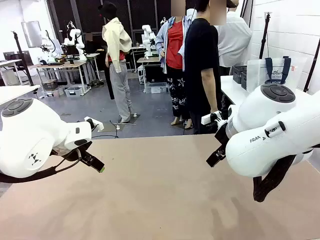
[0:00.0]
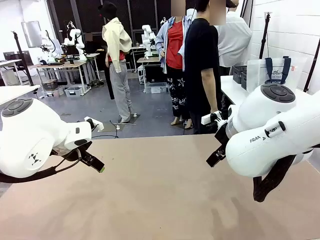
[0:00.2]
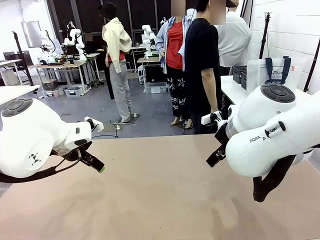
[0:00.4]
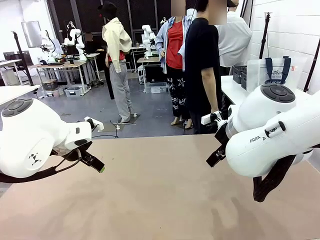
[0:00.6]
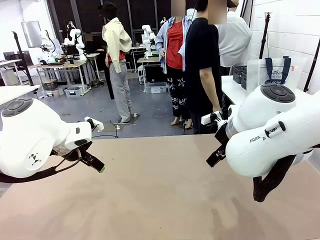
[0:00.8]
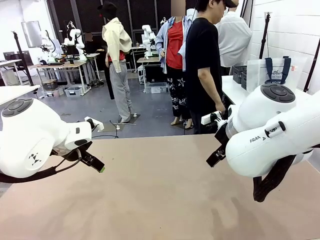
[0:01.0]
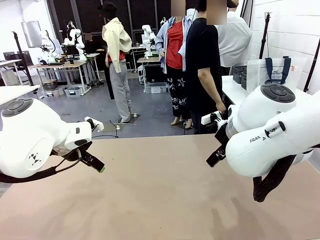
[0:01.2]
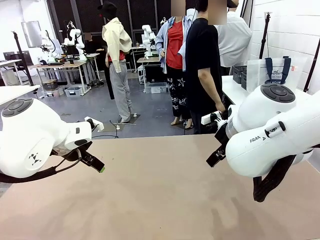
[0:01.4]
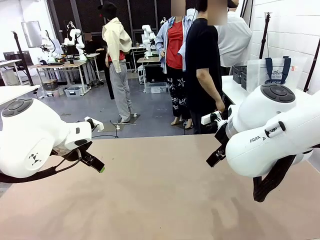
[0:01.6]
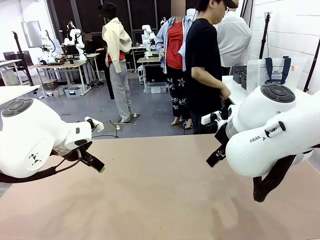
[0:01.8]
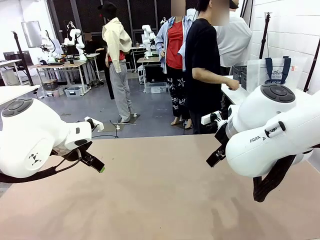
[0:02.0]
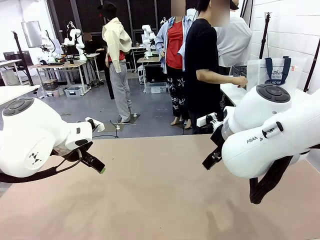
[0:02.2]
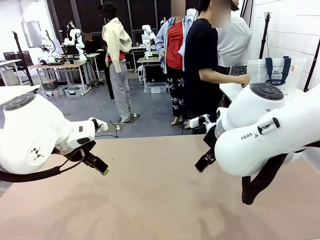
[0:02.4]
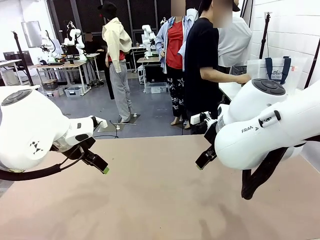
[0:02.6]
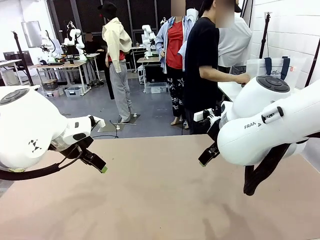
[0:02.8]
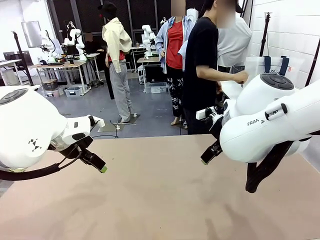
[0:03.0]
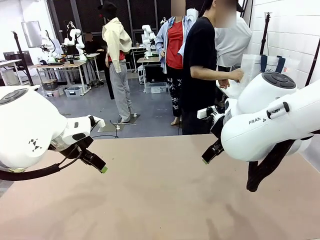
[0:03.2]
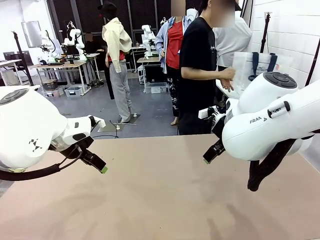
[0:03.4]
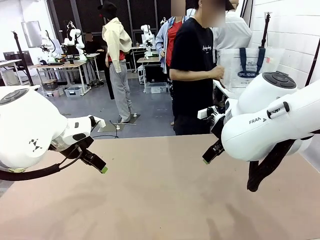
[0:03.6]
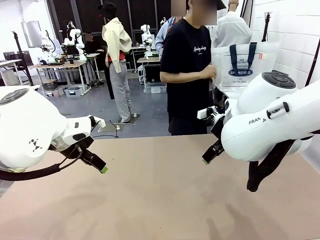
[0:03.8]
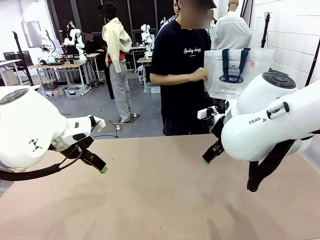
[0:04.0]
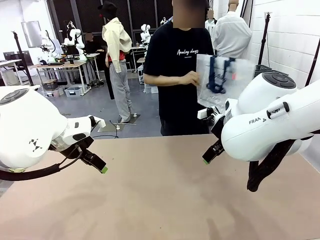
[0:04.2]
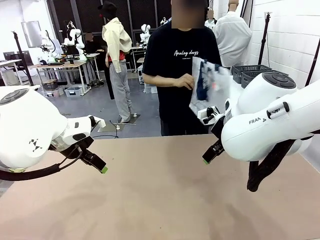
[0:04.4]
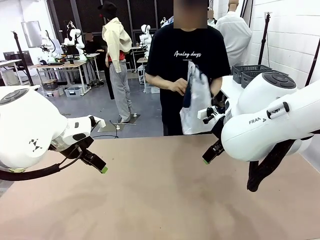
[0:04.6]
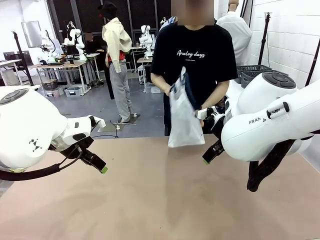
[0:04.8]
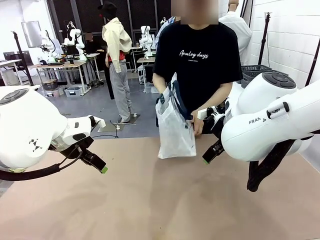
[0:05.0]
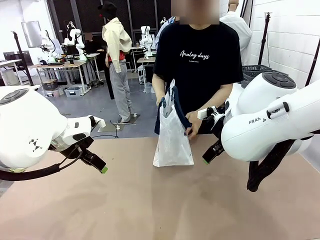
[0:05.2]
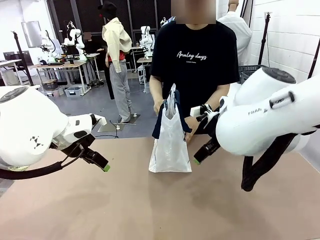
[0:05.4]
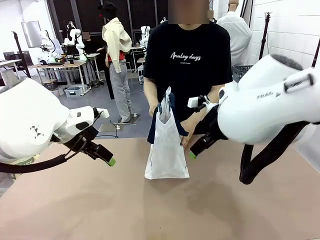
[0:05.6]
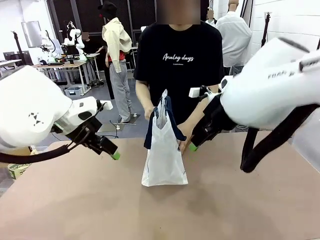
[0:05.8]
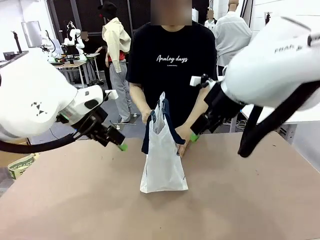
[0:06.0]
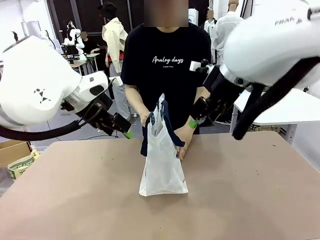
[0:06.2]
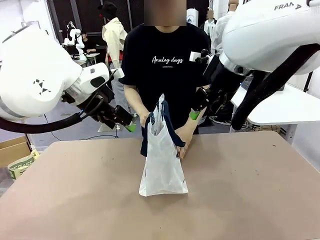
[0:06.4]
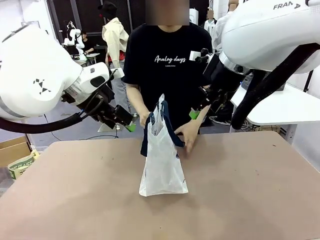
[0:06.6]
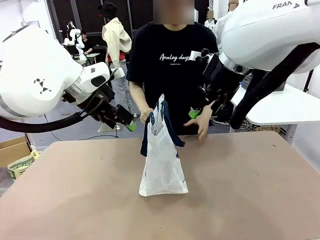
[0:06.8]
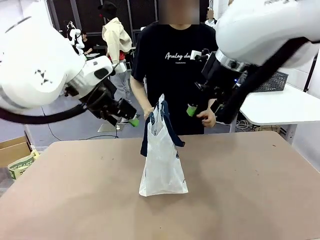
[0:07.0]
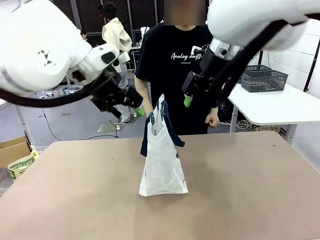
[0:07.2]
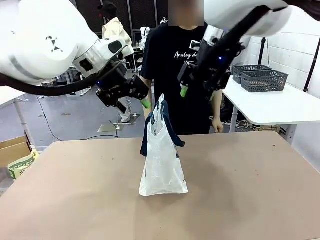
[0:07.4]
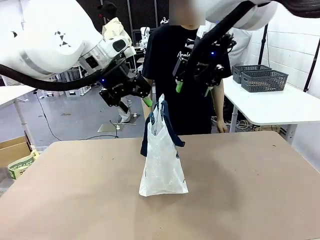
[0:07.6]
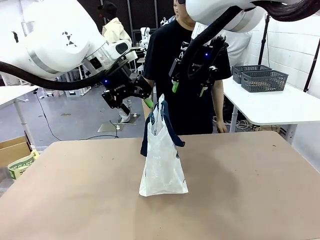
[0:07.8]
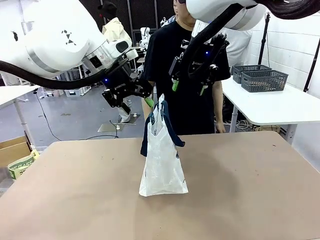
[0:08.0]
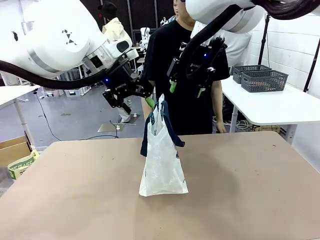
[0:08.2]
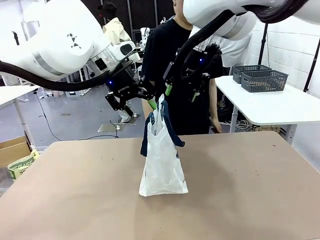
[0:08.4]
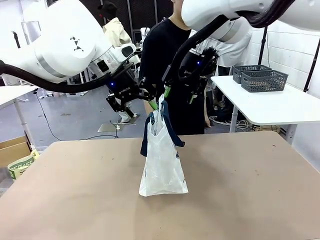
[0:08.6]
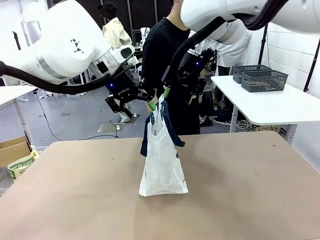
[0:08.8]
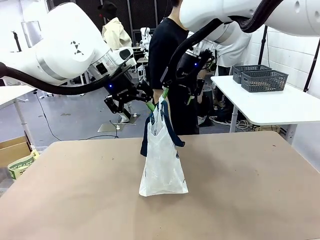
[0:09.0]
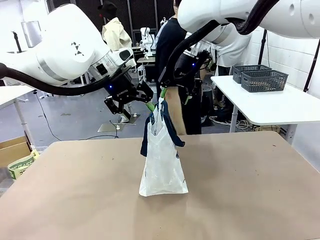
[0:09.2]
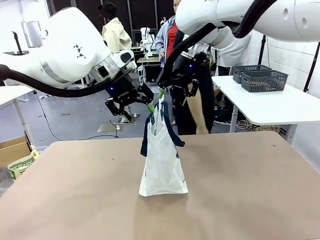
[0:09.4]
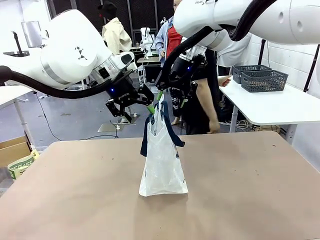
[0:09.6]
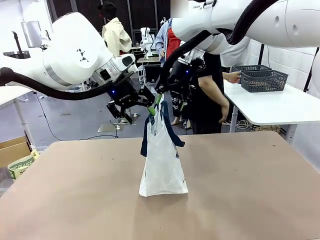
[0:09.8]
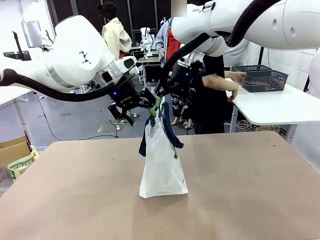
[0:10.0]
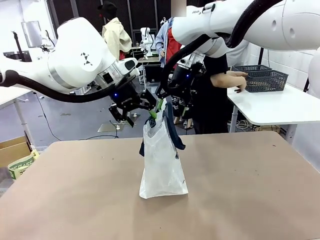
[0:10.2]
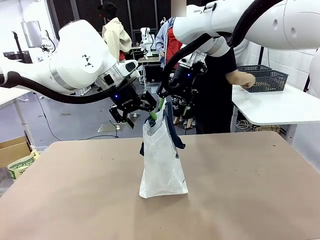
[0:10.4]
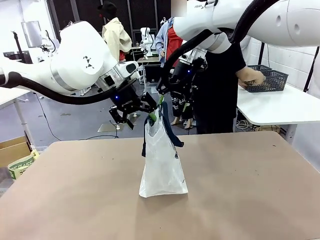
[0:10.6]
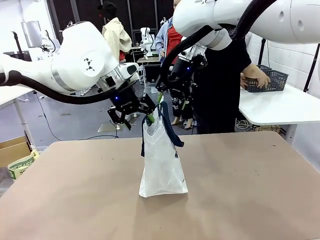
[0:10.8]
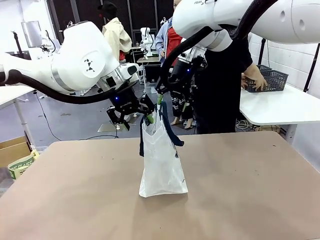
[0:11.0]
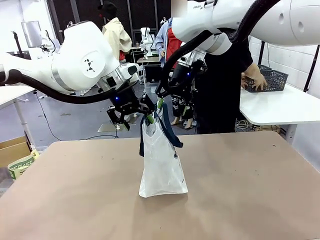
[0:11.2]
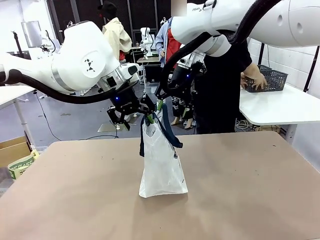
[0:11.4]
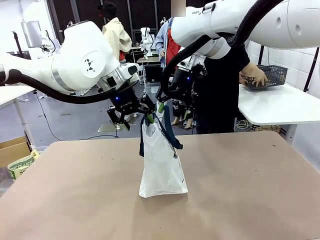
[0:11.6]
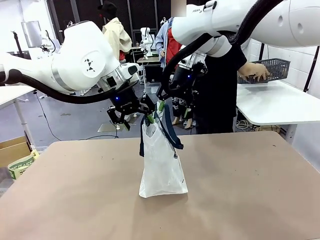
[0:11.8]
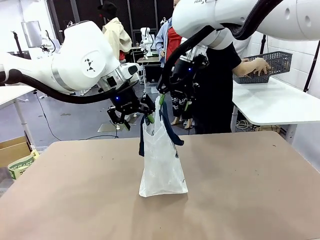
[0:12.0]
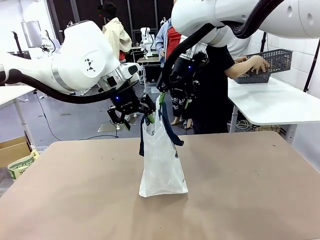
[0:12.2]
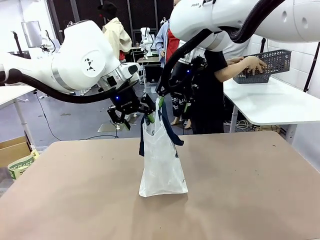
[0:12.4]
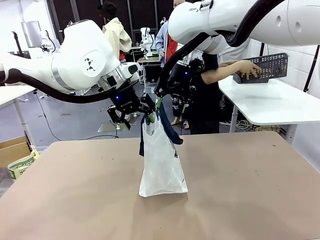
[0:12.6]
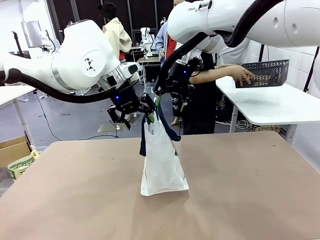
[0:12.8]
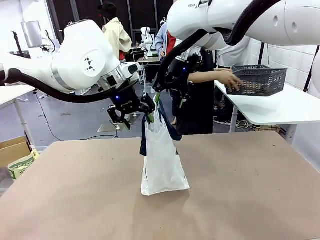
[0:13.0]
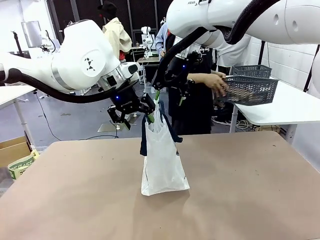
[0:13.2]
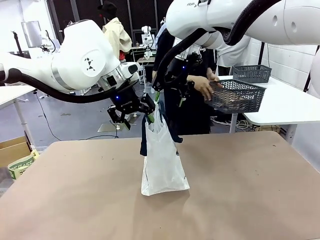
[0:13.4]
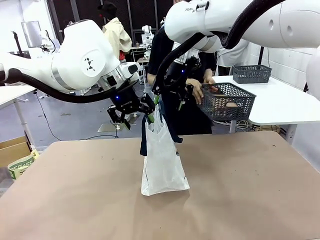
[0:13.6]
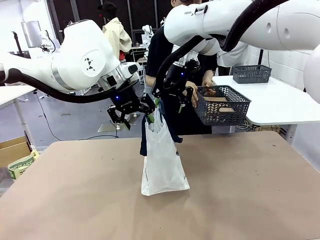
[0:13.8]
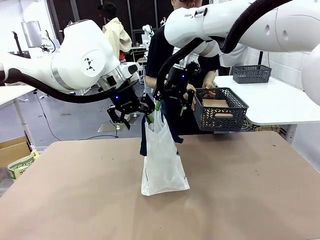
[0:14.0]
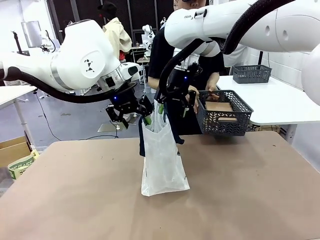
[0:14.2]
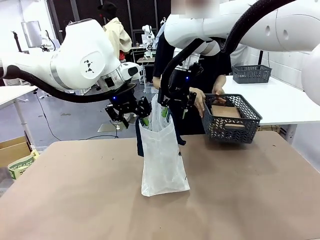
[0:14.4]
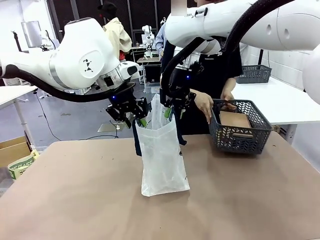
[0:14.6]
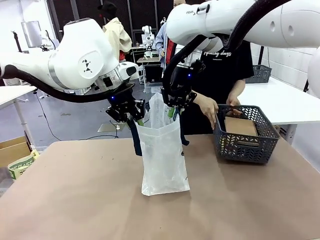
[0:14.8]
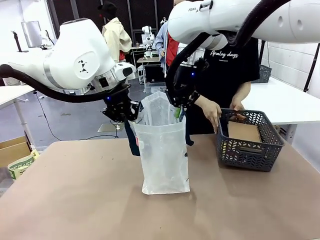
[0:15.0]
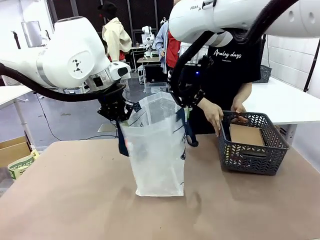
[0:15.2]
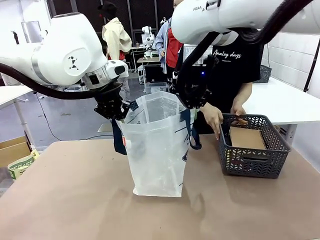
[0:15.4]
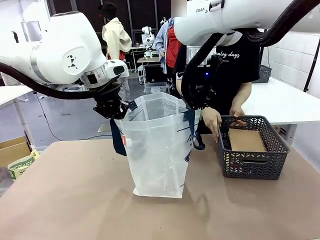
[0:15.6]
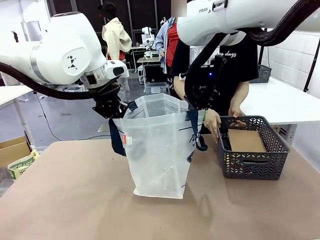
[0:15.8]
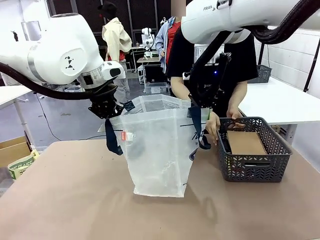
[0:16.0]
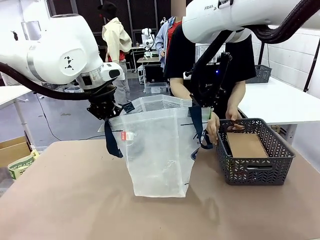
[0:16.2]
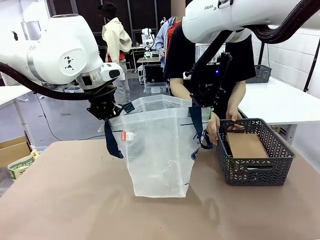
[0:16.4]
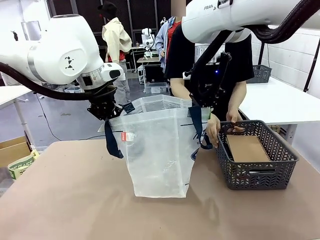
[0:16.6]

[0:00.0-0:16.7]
Task: Transfer purchased items from the store into the shopping bag.
Robot: Open the Reusable shopping bag in the center of the table.
Person: Pick up the shopping bag and place it in the middle of the robot table.
